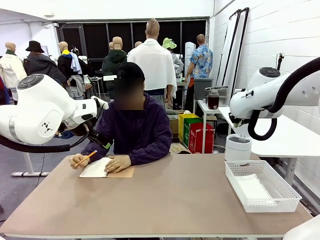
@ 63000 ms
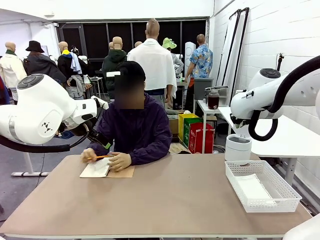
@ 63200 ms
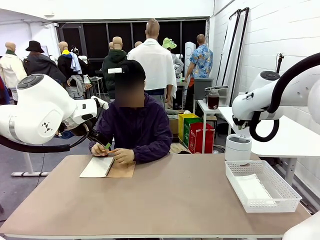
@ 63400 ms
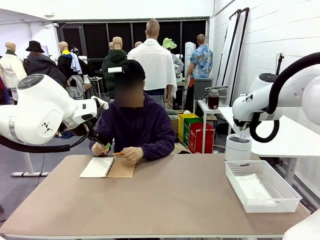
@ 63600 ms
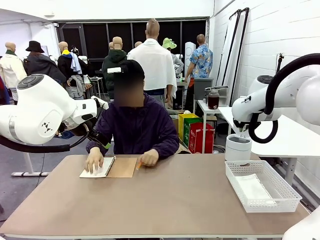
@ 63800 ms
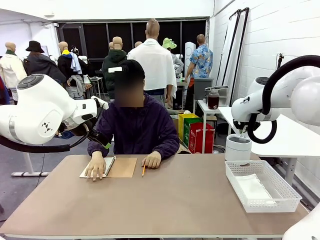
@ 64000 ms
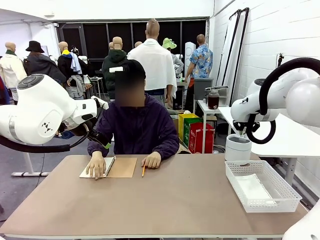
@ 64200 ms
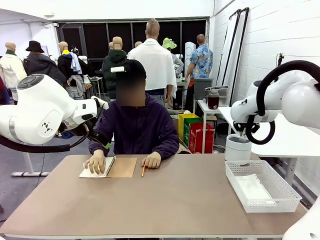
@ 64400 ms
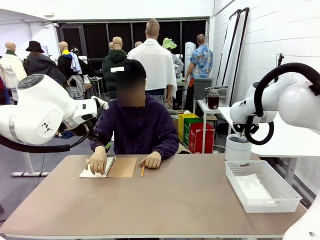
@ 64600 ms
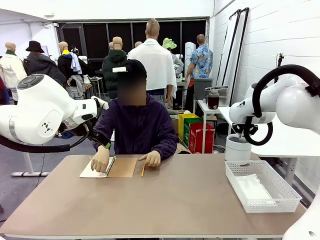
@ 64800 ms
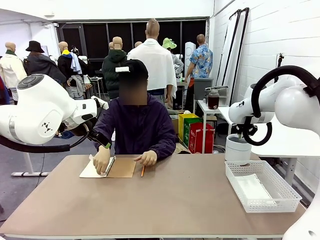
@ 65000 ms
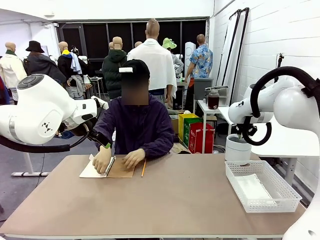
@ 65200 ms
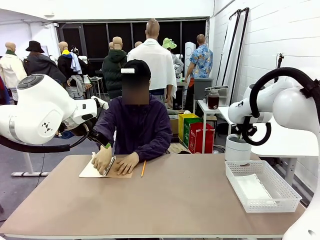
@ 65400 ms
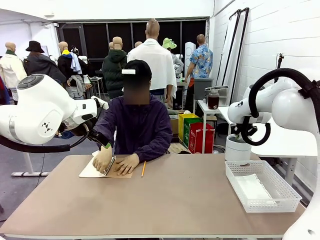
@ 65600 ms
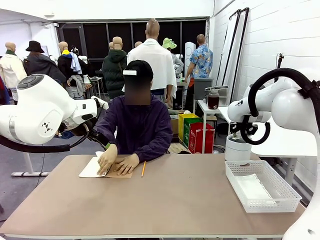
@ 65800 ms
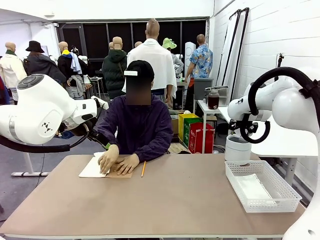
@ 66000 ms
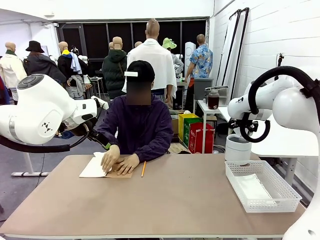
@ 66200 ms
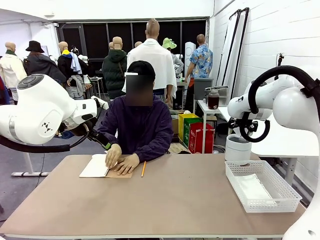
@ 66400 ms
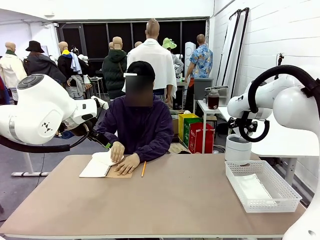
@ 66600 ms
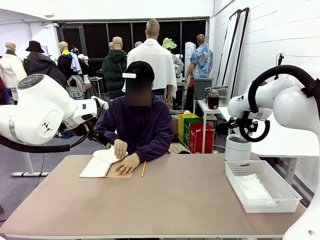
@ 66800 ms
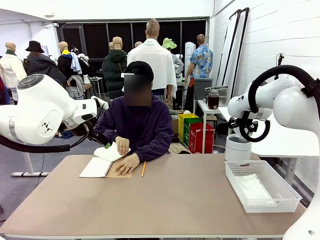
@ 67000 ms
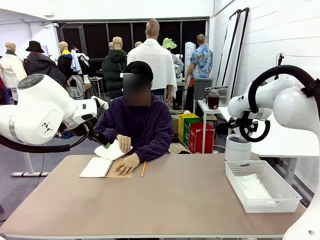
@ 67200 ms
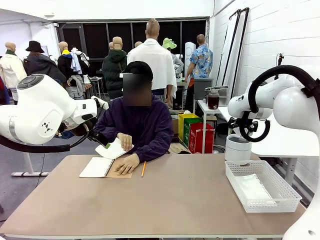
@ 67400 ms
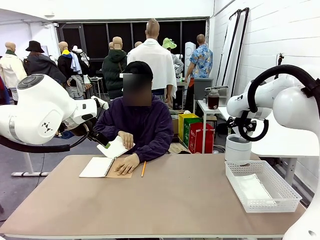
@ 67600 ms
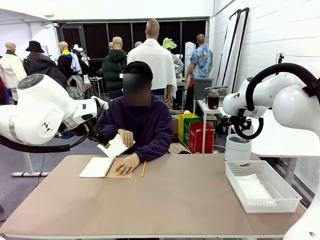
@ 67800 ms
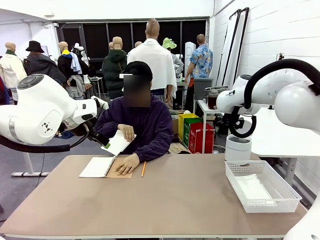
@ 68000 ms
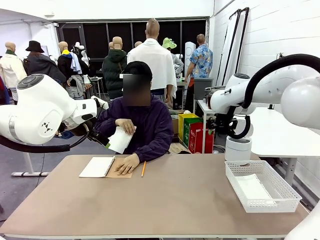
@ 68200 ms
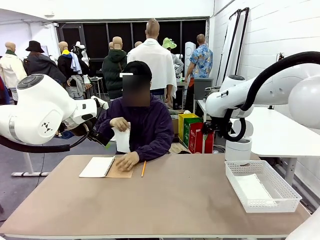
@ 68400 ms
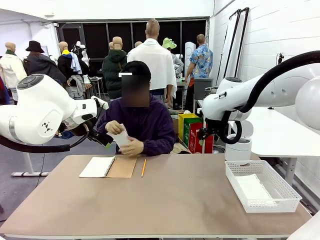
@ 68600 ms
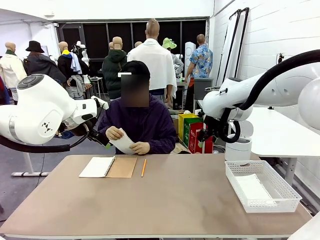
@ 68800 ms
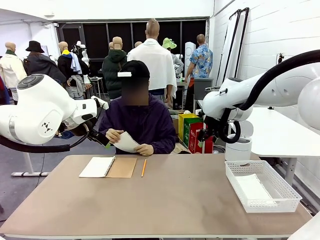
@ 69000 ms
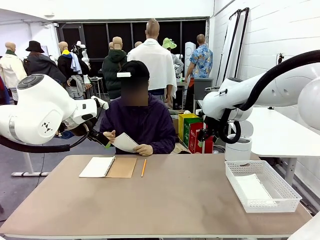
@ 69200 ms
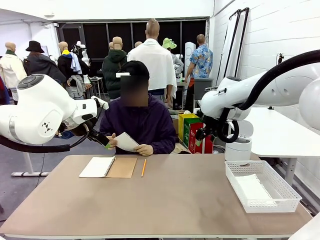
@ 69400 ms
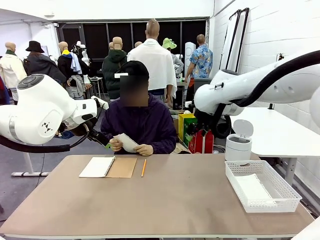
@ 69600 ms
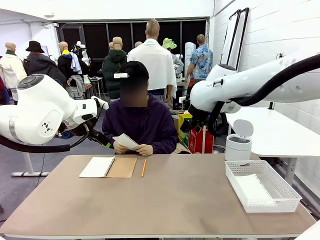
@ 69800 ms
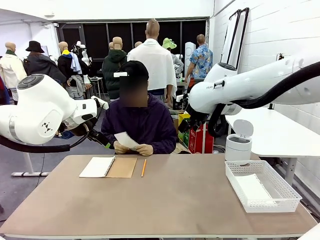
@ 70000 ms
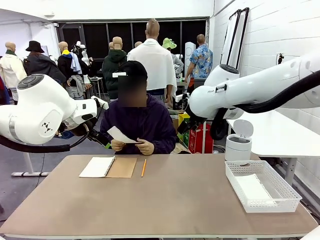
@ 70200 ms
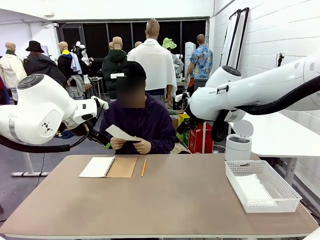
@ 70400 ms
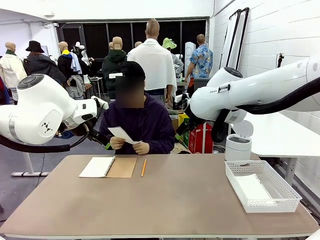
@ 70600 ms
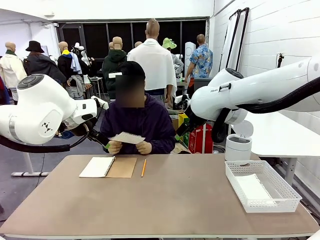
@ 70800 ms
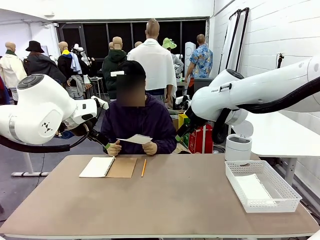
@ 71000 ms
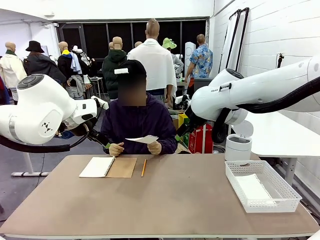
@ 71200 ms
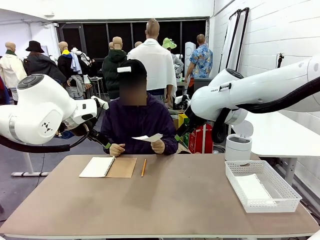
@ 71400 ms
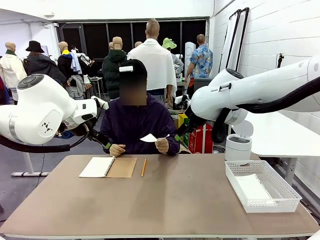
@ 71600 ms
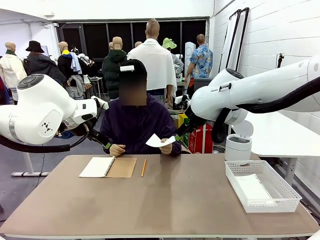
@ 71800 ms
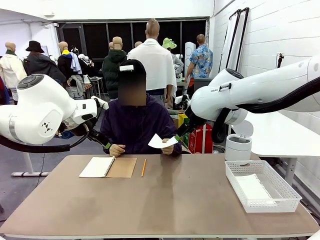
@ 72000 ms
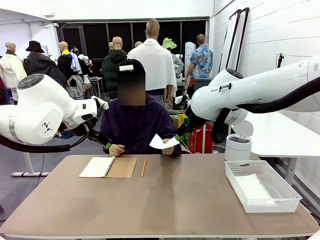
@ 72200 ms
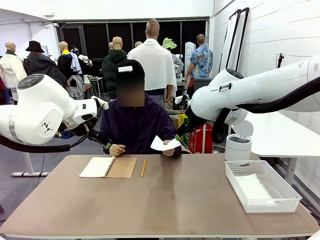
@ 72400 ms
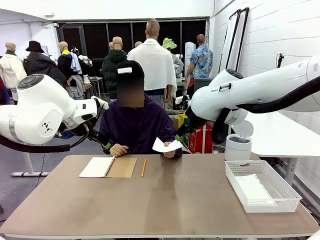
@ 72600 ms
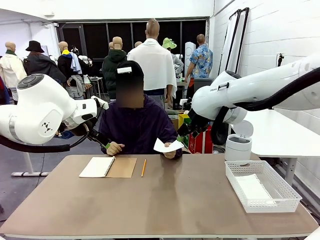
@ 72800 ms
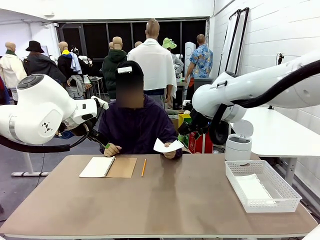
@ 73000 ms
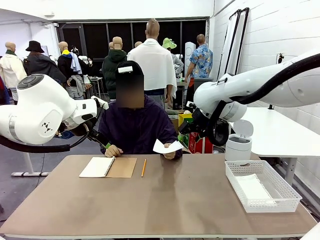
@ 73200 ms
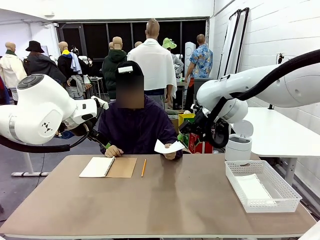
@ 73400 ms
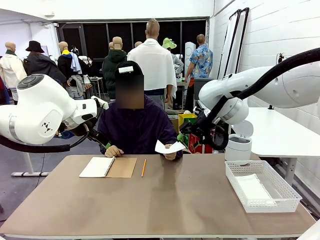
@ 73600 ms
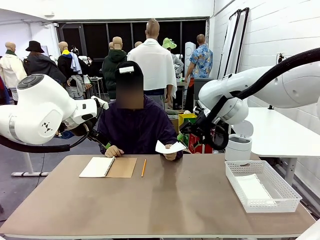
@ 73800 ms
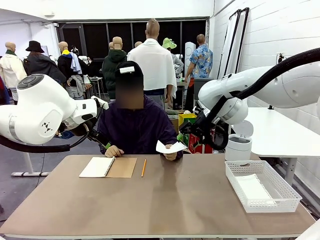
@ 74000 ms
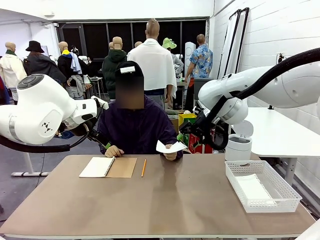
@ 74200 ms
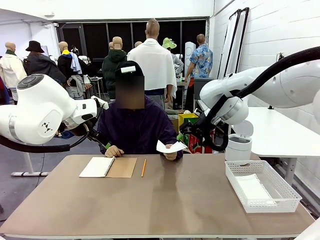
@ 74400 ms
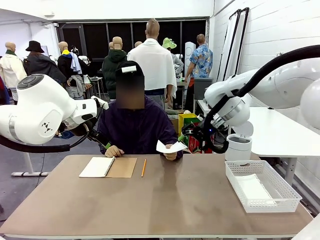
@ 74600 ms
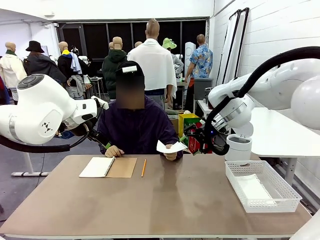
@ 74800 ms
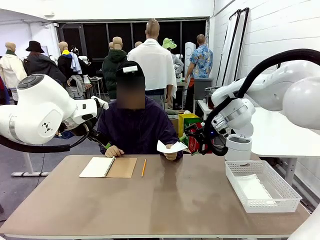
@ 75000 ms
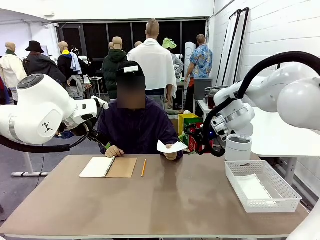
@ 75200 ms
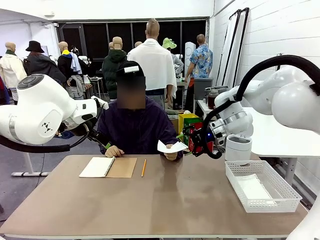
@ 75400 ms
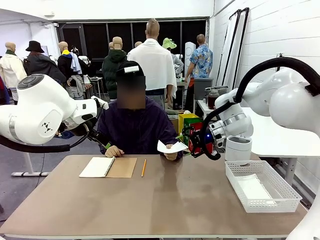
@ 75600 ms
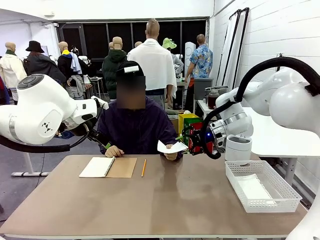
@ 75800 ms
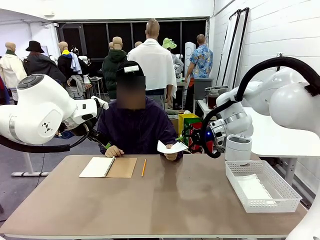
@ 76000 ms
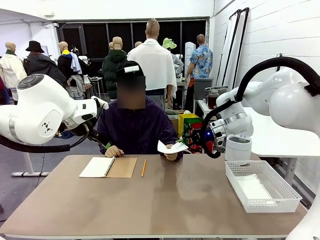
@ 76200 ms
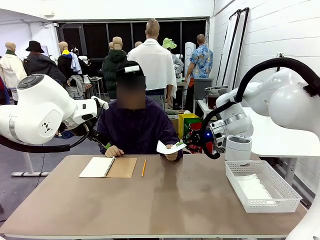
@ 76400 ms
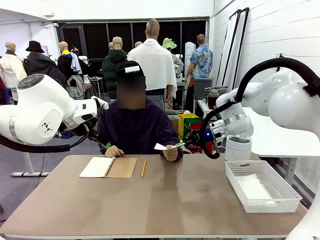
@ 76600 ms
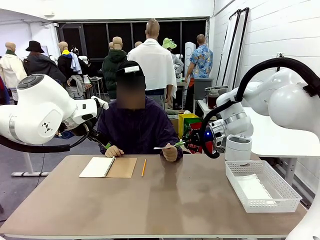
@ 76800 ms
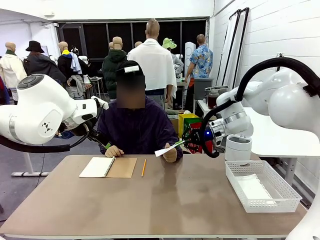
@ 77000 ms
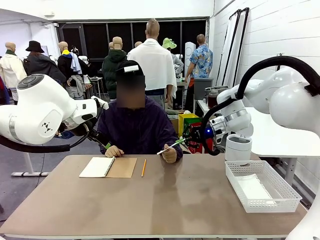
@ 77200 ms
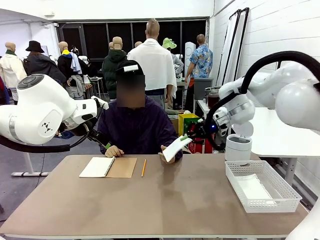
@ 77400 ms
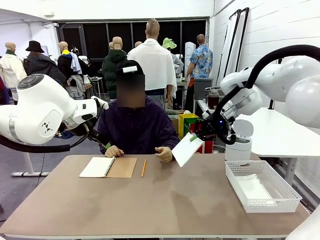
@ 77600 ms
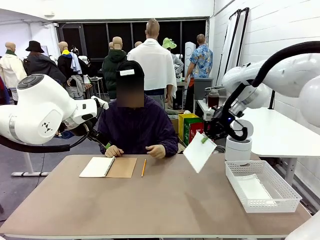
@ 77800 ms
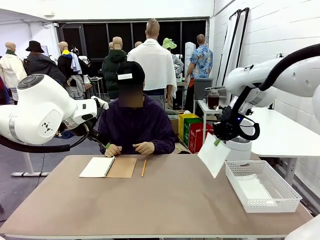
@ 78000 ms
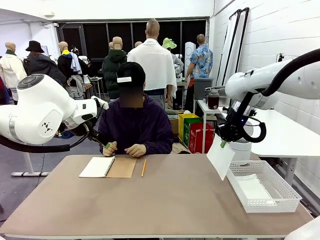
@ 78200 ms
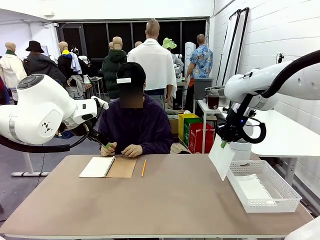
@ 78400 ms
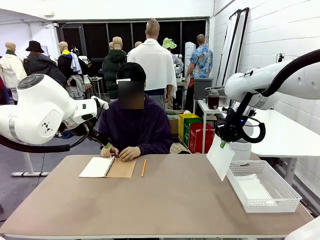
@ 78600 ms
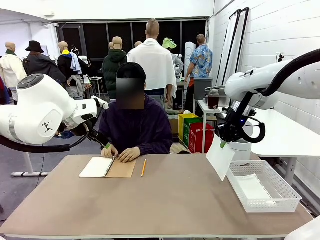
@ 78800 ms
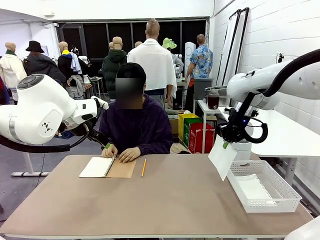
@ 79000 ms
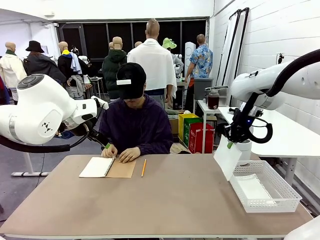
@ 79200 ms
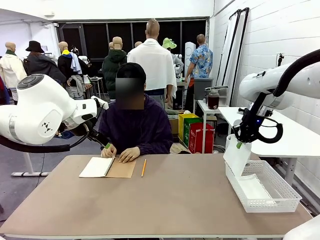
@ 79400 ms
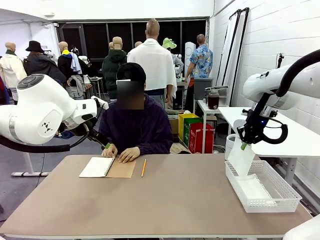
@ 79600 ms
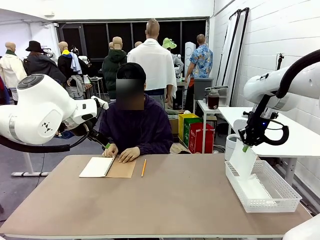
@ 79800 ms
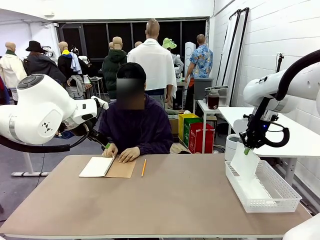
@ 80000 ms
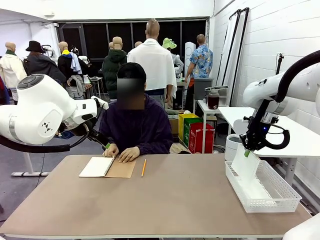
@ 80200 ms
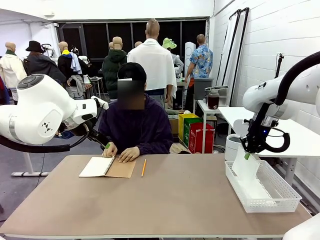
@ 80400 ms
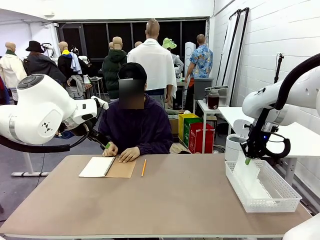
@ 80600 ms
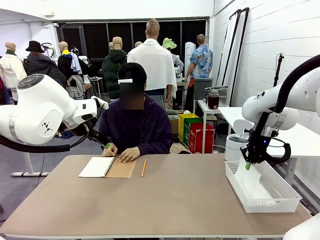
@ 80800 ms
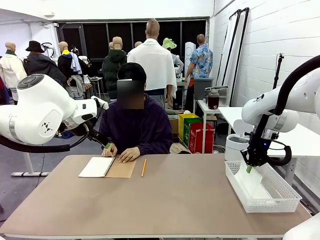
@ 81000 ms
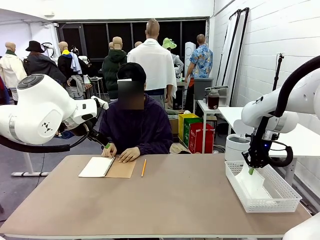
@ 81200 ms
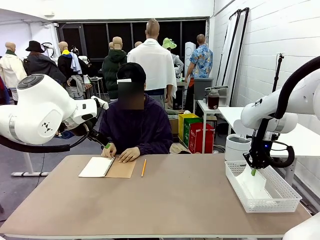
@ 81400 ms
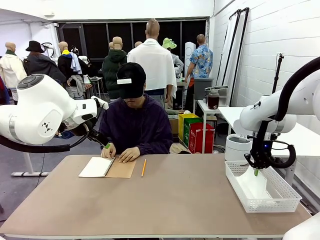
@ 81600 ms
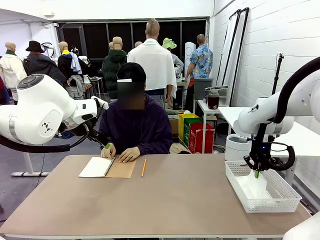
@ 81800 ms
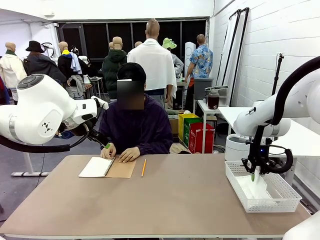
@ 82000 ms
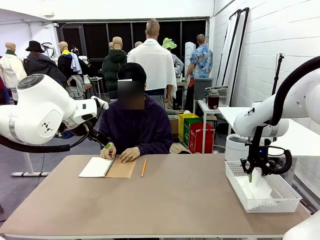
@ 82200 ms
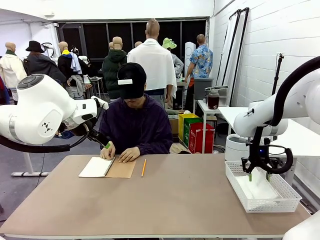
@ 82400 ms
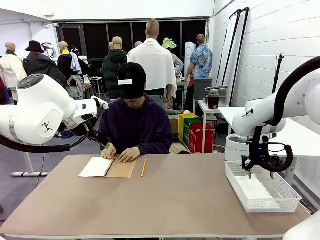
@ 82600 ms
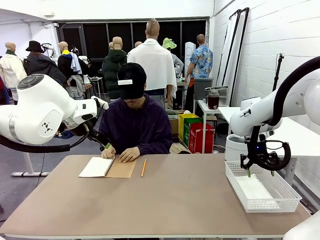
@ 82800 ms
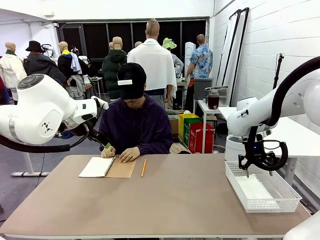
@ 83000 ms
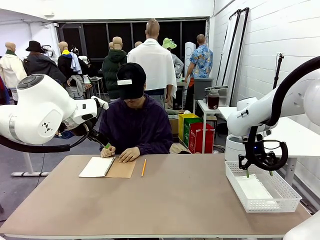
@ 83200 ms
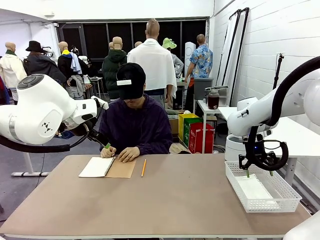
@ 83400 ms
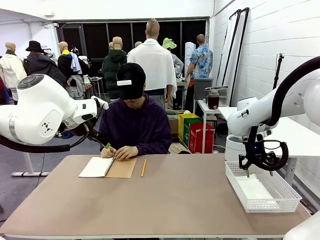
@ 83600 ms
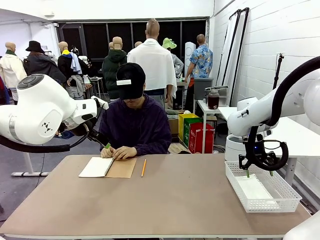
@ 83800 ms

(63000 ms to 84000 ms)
Task: Sort the paper based on its condition.
Robot: If a person hands you a paper, place it in the Organizing basket , and if it's crumpled, put it in the Trash can.
Person: Hand the torn page to the robot or crumple it and throw it to the center of the table.
